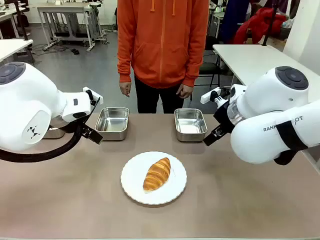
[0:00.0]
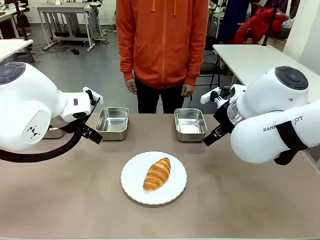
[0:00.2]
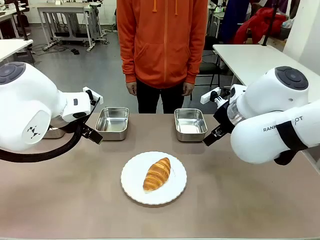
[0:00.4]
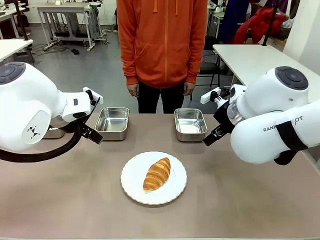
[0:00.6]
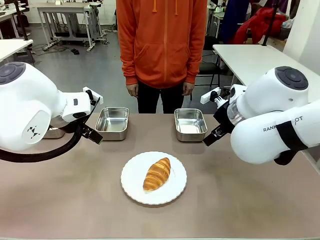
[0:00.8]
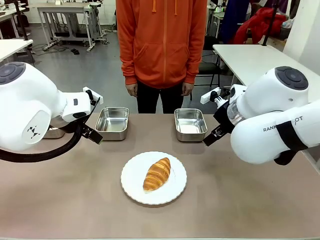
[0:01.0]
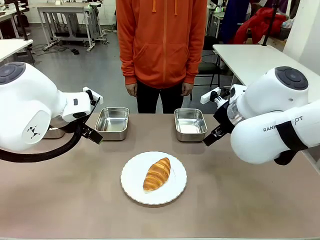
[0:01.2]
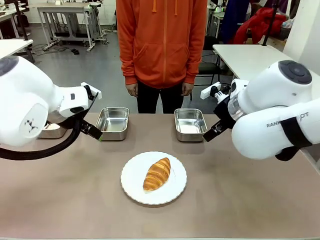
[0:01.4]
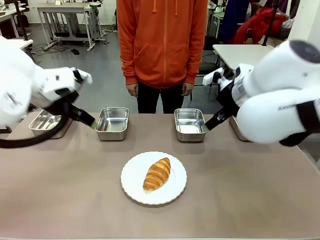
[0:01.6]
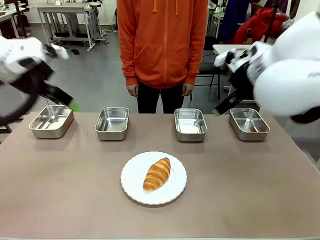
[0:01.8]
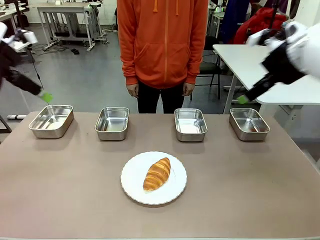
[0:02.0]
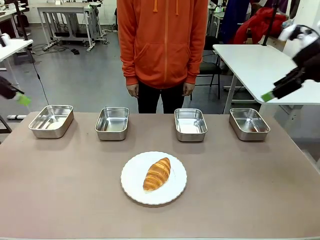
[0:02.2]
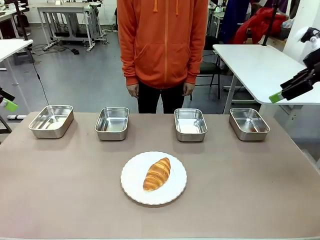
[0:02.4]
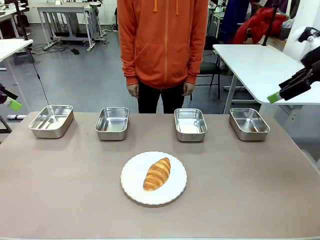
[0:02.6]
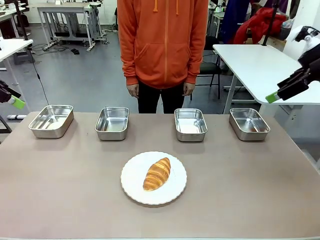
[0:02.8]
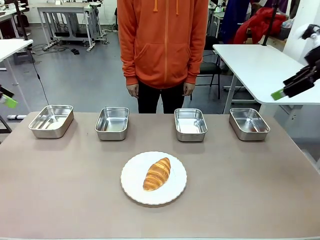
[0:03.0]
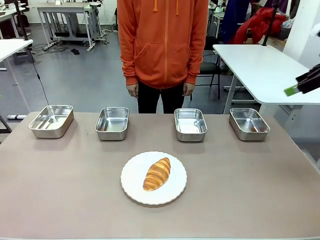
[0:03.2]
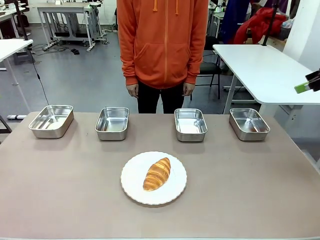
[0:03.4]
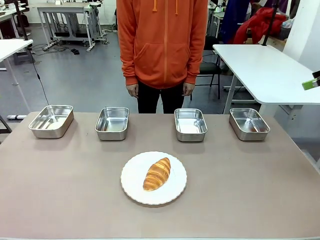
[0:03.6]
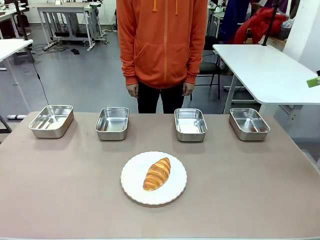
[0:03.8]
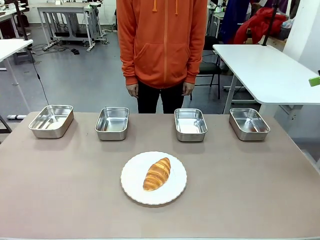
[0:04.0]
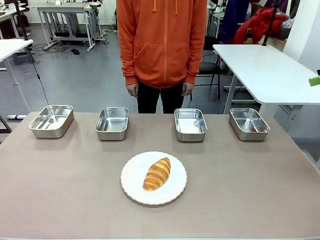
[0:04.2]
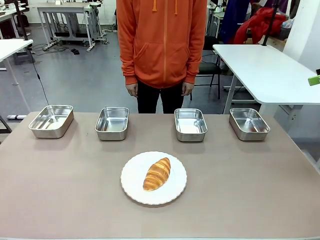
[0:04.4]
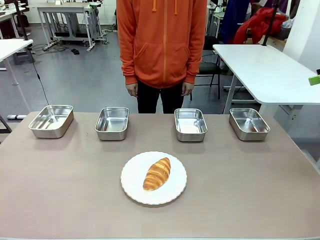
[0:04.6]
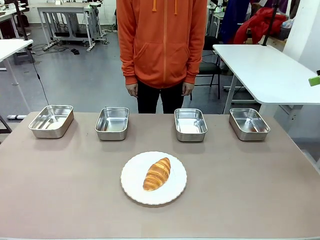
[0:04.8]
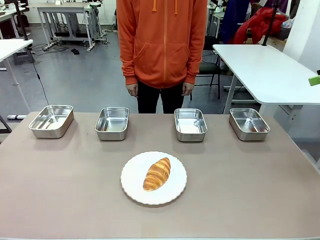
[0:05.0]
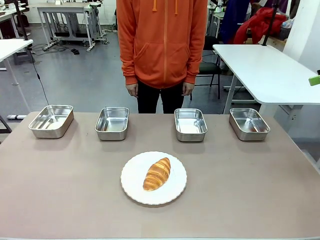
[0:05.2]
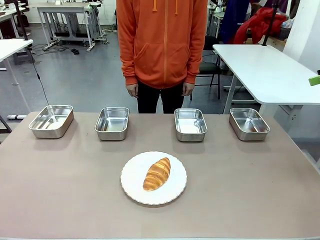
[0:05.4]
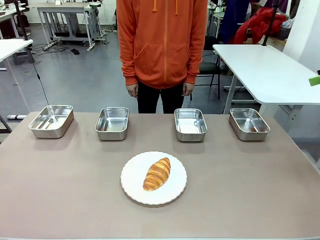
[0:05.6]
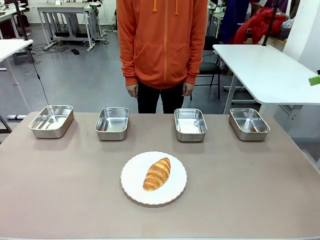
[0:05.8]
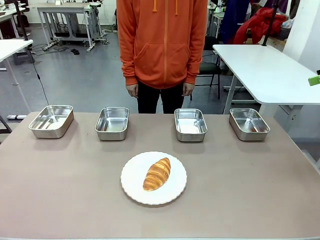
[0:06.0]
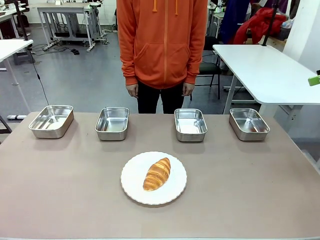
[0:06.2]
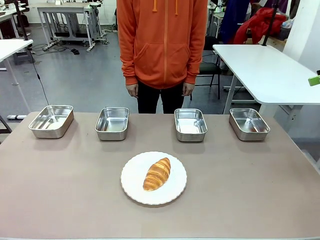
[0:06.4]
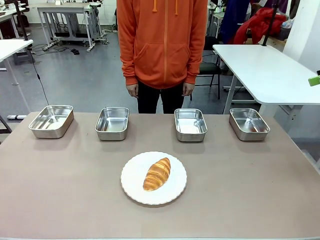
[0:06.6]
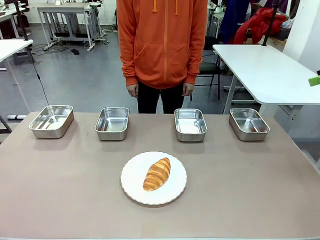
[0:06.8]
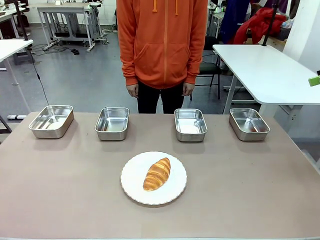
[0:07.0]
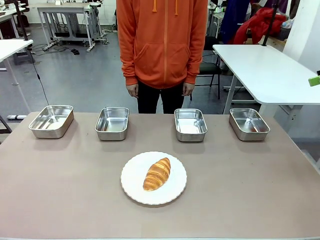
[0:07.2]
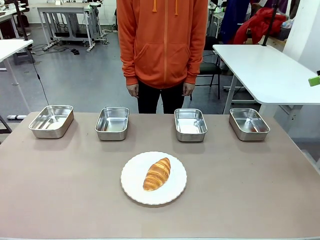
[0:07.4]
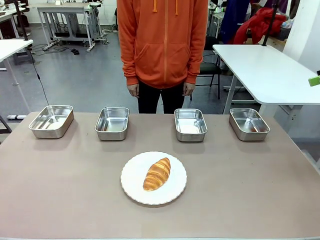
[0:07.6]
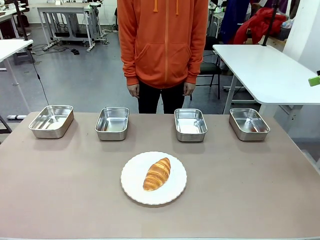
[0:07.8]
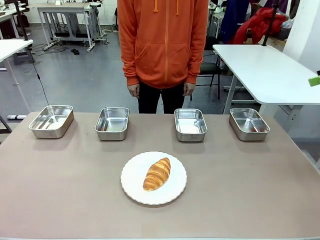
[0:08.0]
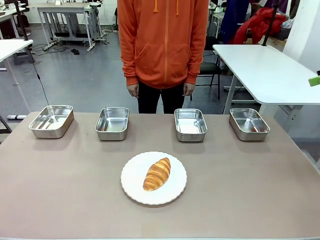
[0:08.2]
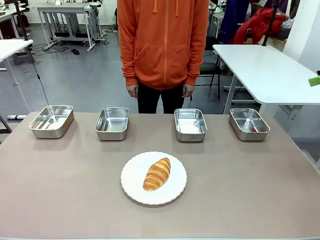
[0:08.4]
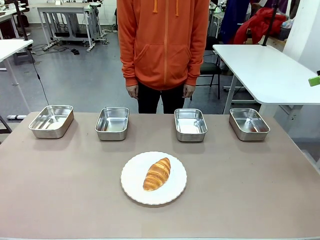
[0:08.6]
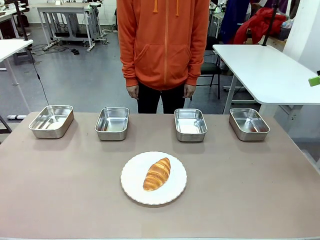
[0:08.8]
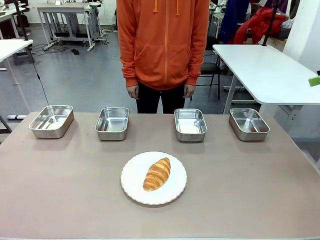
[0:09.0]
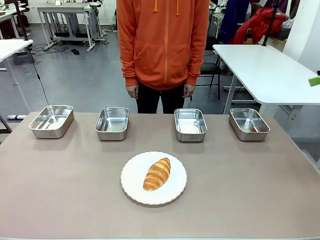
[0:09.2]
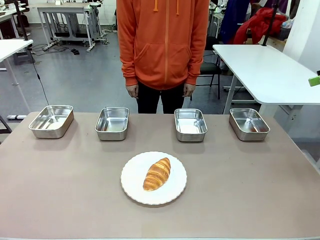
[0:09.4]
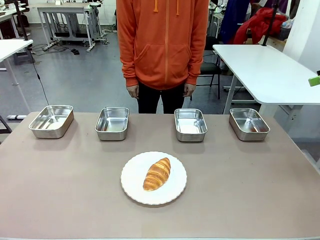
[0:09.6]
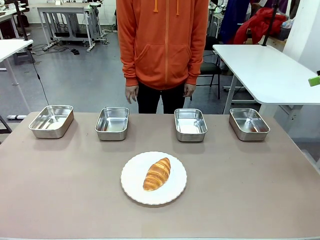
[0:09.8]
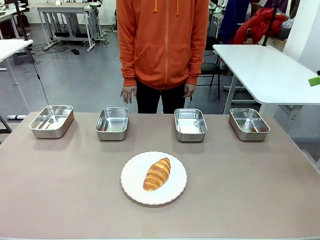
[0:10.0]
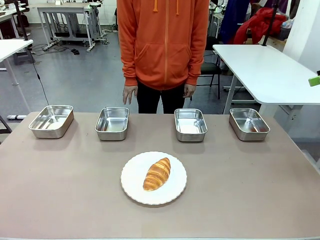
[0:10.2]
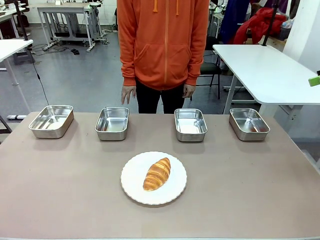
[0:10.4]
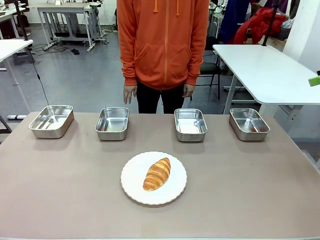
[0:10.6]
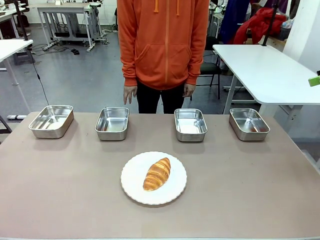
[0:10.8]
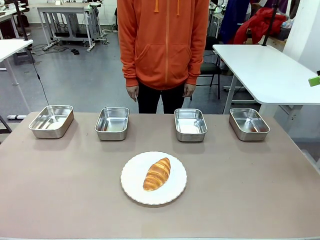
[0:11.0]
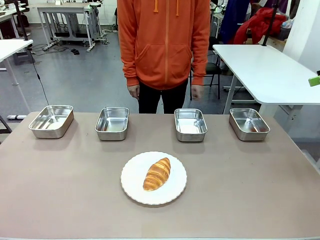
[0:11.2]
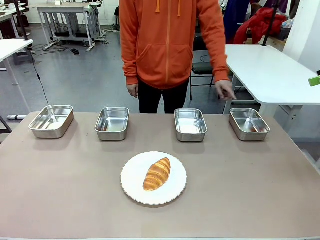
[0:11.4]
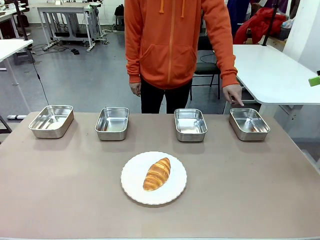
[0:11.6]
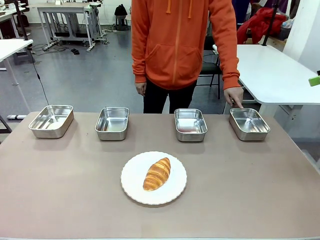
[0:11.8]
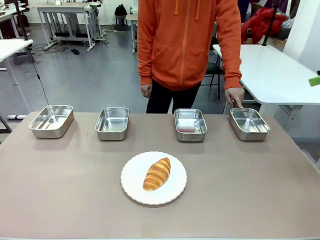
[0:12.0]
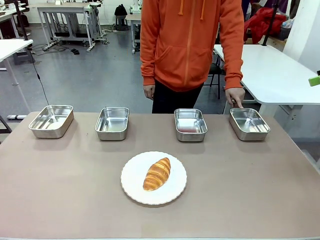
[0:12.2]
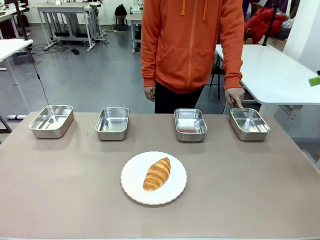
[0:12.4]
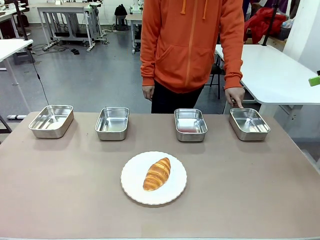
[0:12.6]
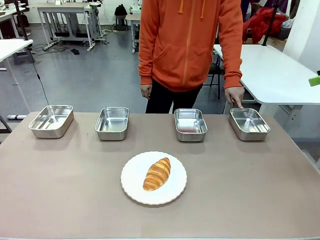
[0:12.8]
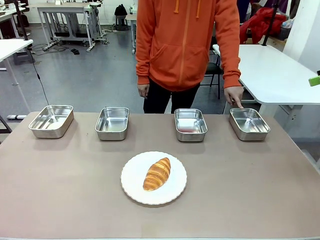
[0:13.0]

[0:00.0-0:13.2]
Task: Place the bread in the container.
Robot: Place the Butter Roll into the Airtight Container indicated by the human.
